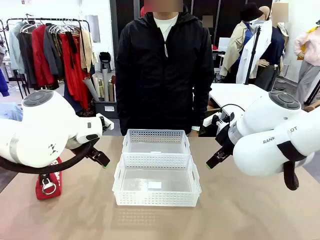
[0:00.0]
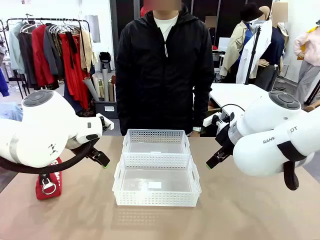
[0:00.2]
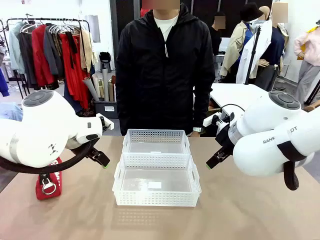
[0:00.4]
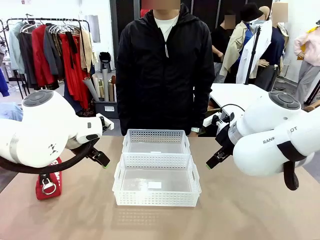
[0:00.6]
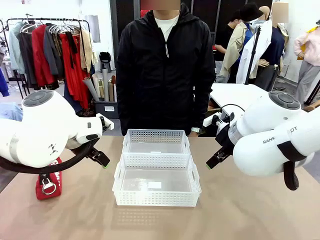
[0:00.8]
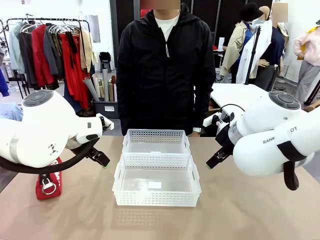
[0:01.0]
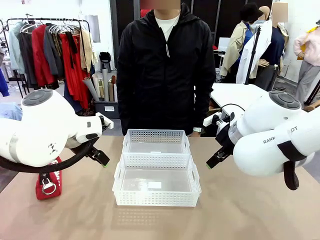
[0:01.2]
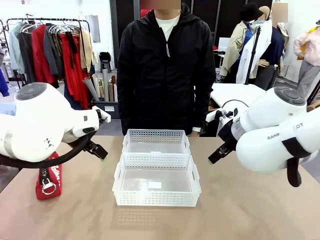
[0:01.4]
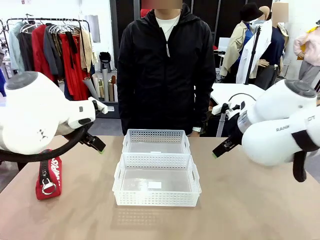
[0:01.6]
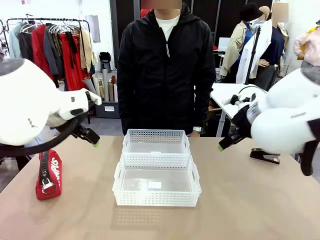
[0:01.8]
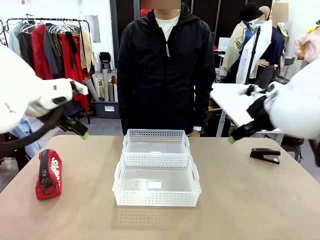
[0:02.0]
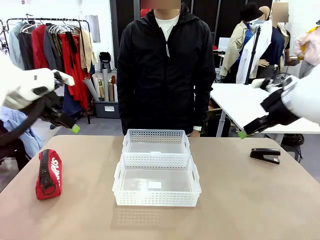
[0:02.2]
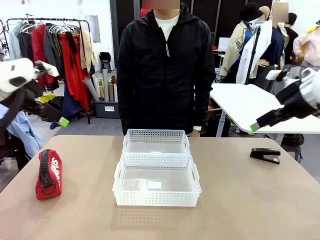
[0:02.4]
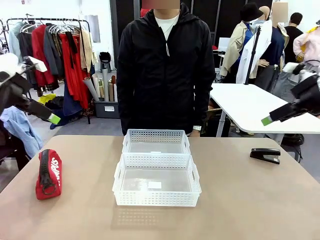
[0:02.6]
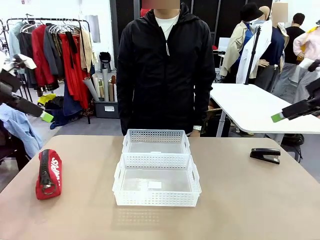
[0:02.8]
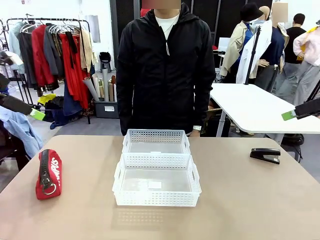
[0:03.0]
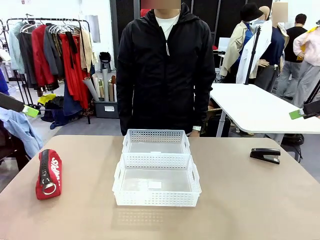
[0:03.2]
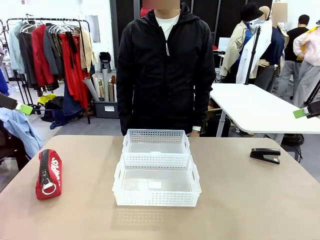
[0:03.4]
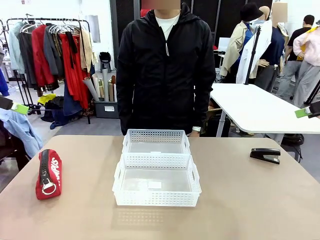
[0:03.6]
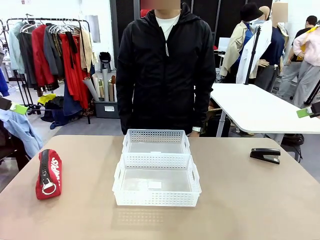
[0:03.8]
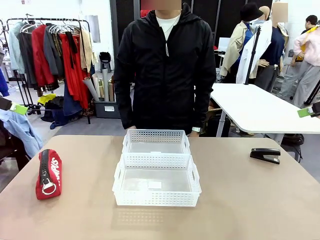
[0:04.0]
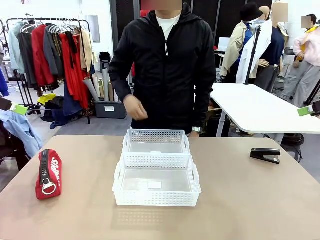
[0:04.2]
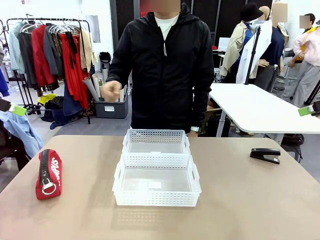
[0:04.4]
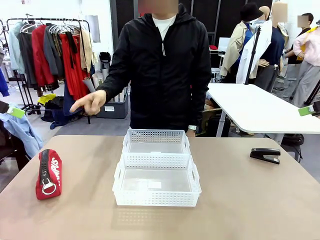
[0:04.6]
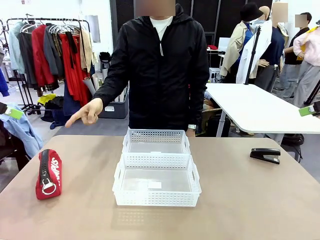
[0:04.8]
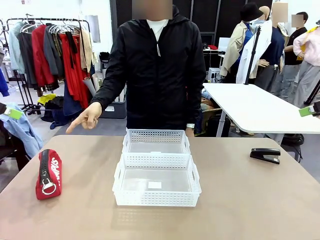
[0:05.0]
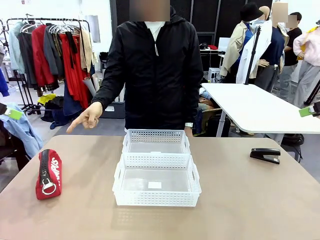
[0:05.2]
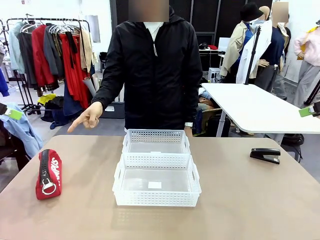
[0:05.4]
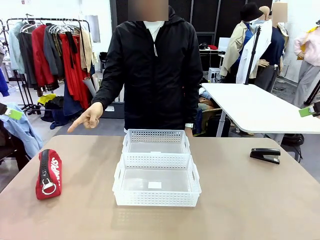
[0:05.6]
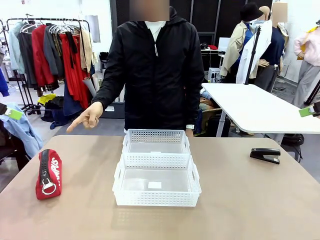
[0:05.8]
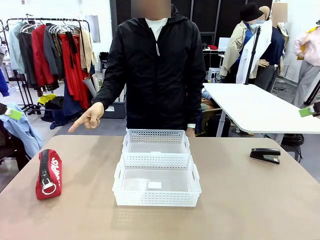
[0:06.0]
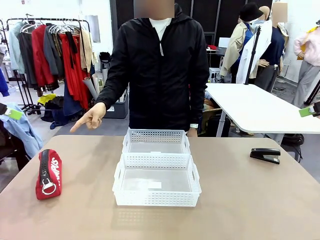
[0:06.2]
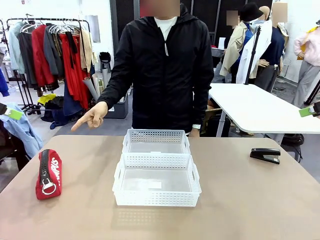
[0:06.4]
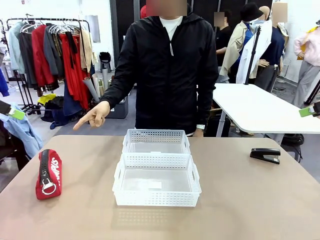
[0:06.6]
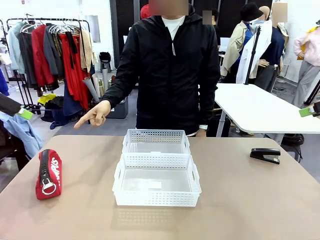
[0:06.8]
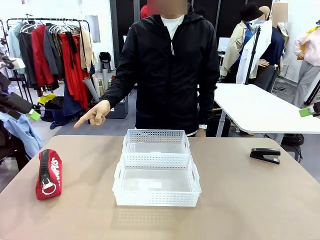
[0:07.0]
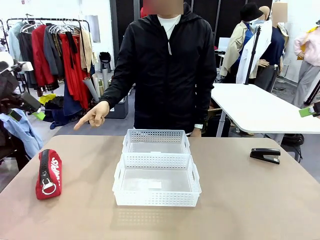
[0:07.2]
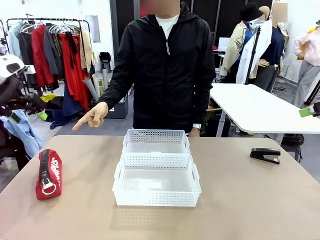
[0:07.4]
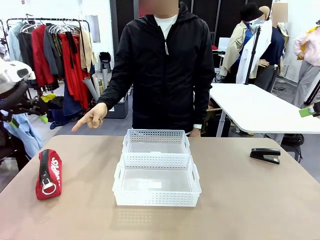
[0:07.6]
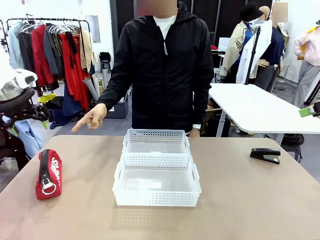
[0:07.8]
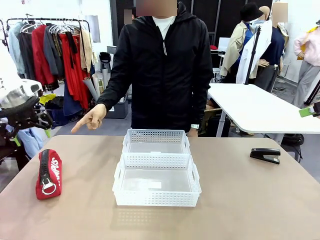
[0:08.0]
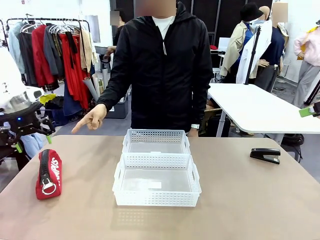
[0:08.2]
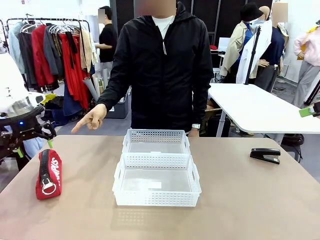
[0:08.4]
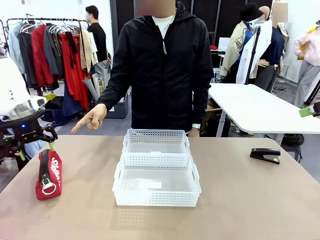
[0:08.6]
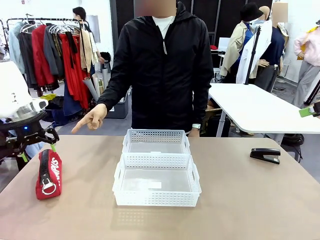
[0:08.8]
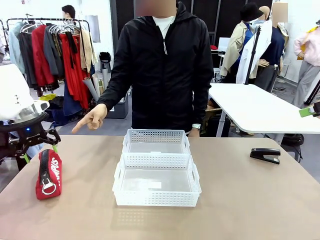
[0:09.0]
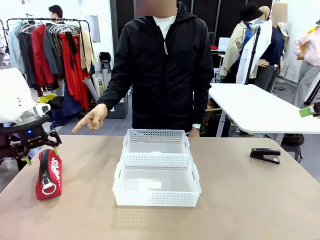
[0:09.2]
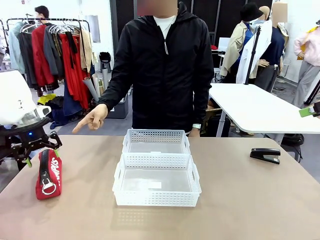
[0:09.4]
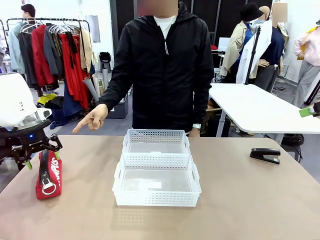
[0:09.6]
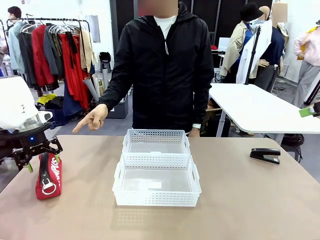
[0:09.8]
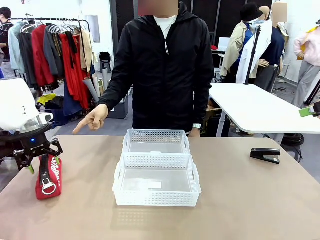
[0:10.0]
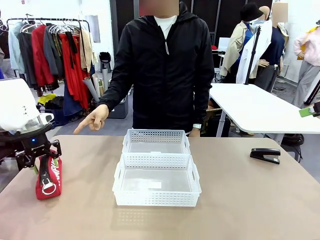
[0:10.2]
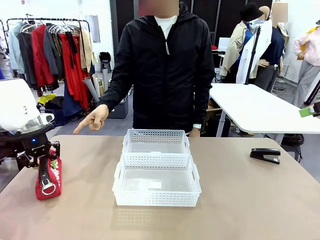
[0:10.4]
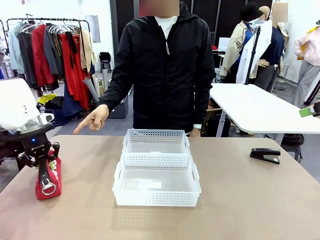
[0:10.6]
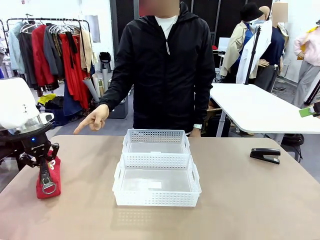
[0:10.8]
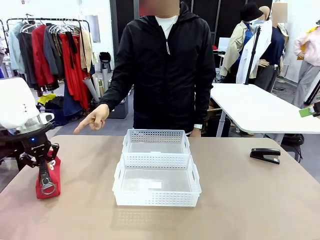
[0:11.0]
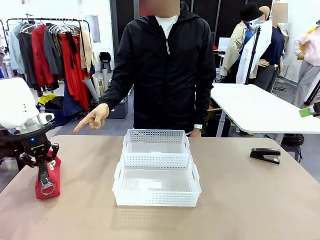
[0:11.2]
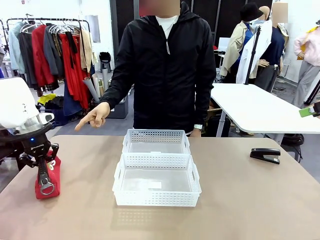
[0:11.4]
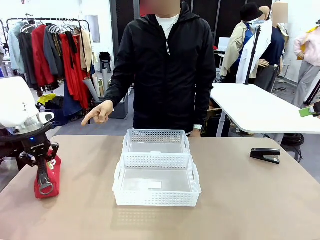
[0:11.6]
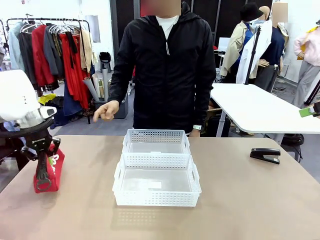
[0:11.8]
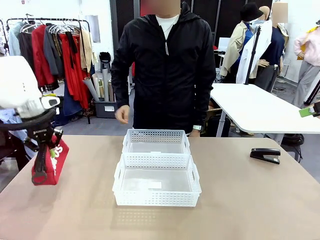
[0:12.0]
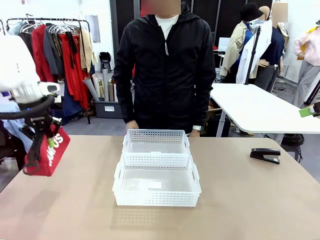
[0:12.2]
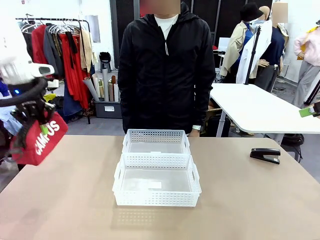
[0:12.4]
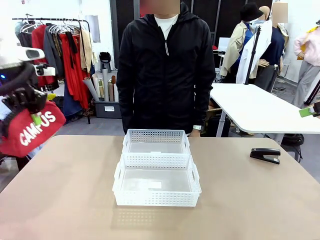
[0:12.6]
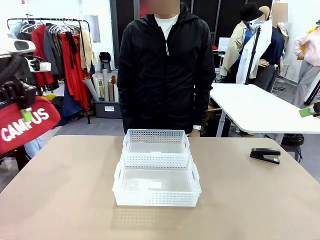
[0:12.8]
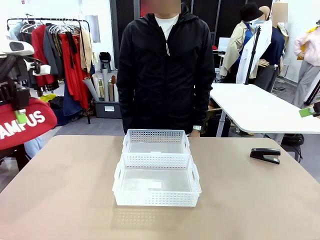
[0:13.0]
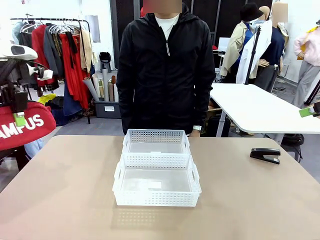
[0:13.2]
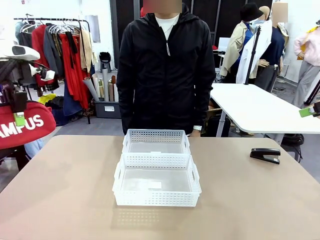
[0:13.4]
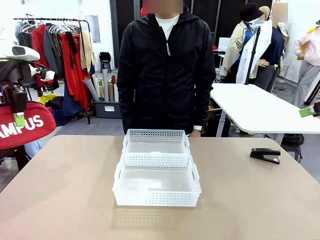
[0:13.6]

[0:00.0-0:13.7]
Task: Distribute items into two baskets.
Robot: Pick up the Pencil pouch that the person points to.
Person: Points to the pencil case. Points between the two organizing baskets and instructs the robot to move the pencil case.

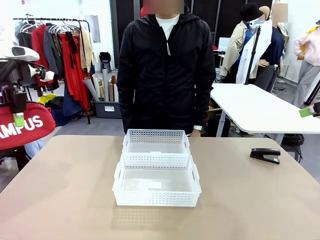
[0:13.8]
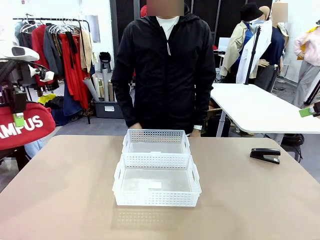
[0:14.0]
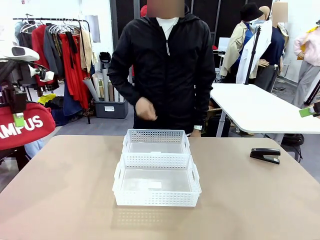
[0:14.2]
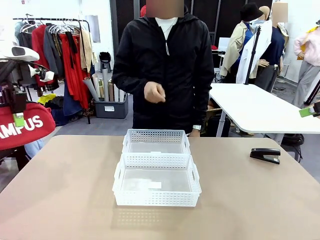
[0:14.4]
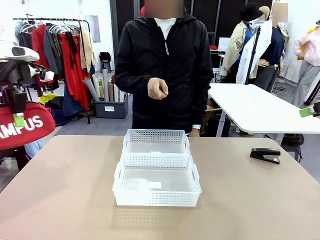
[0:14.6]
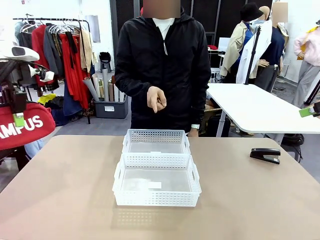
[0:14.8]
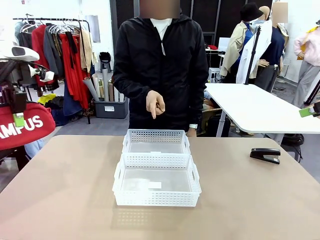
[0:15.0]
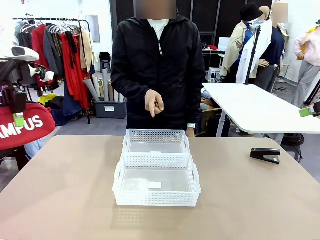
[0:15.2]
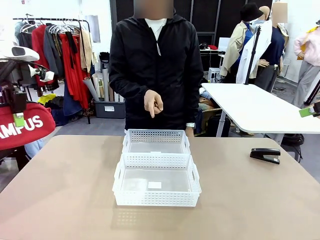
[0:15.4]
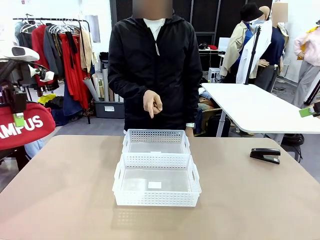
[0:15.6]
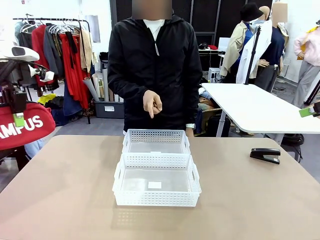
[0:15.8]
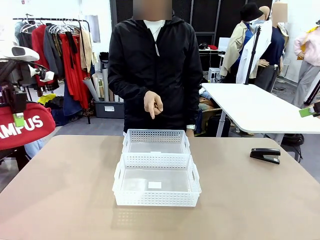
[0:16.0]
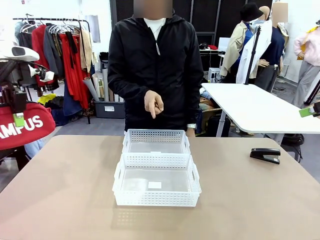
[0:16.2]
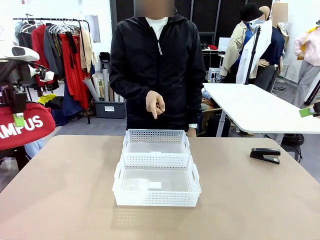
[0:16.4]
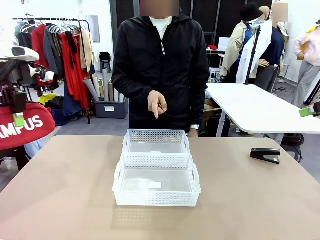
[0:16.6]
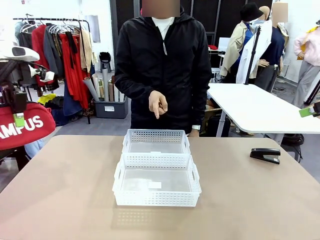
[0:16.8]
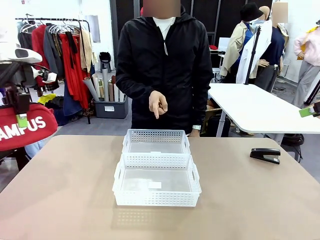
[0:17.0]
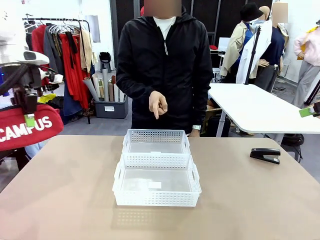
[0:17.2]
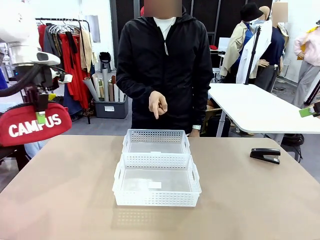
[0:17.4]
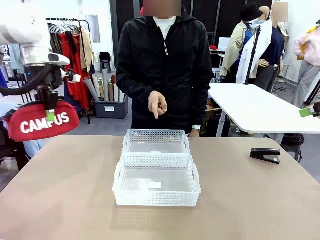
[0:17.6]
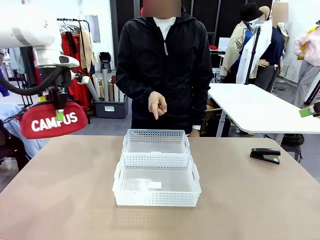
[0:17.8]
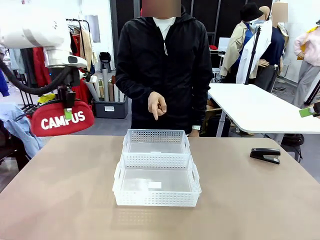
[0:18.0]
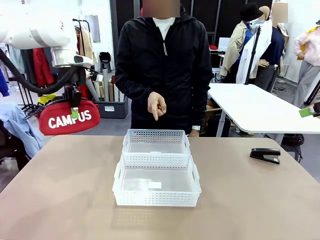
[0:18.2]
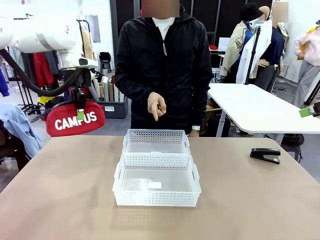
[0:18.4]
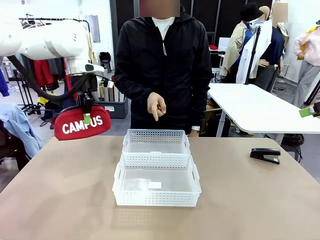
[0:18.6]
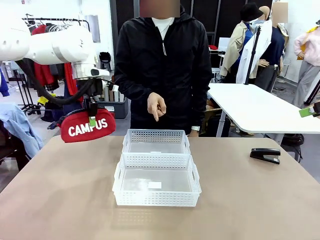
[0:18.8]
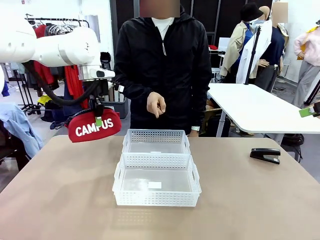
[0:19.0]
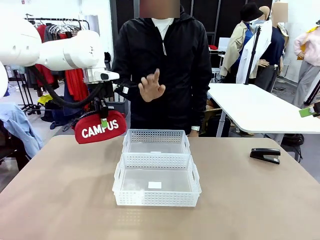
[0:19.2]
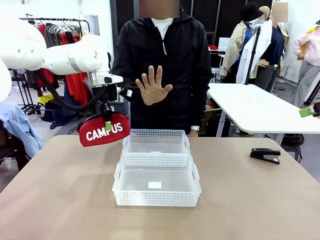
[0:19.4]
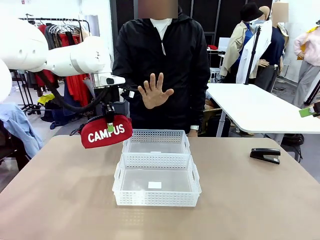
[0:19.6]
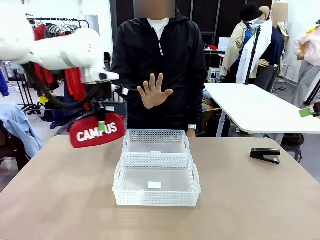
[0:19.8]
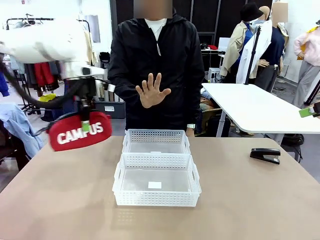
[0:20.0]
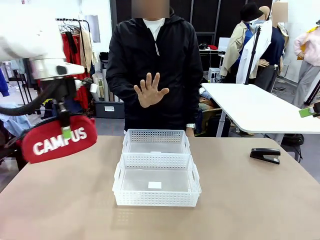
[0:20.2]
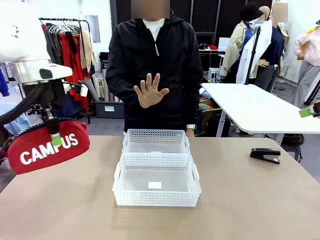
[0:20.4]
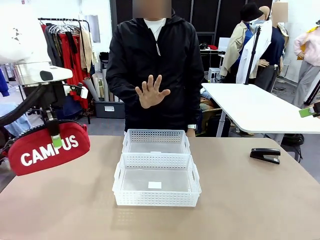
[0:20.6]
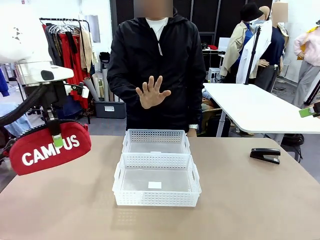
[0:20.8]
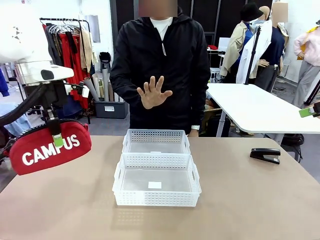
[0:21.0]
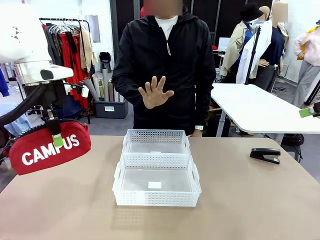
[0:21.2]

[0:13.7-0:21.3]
Robot: Move the picked Pencil pouch towards the Organizing basket indicated by the person, stopping as directed.
Person: Sends a stop gesture before the robot places the pencil case into the basket.
